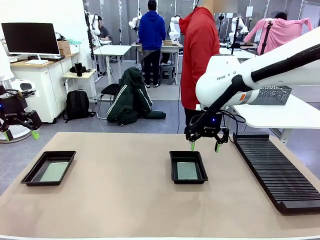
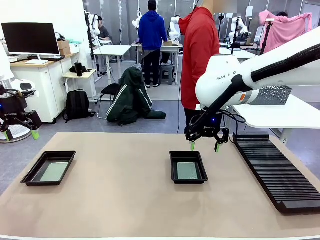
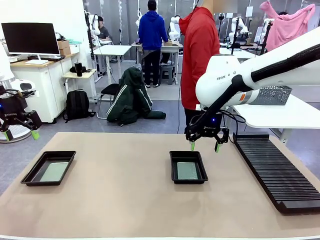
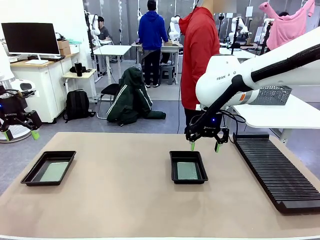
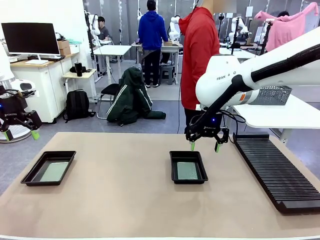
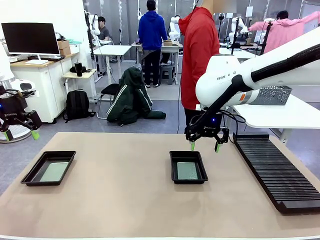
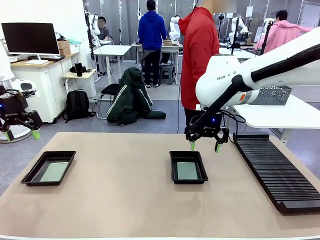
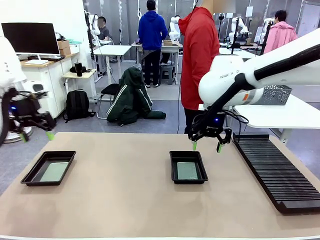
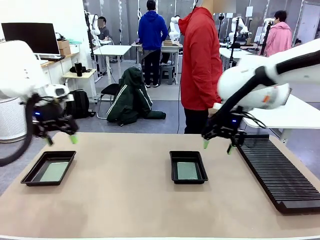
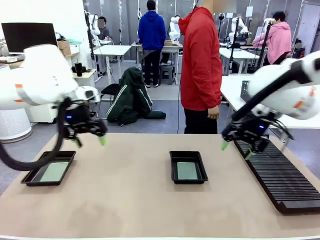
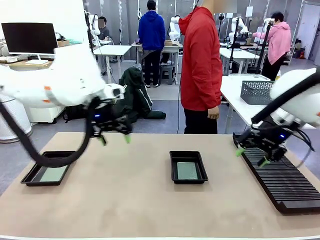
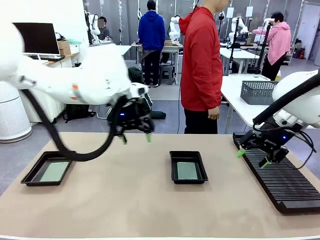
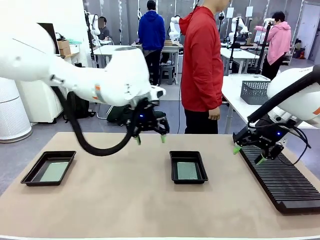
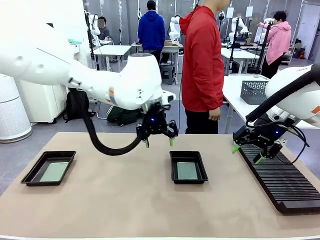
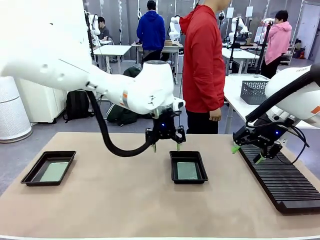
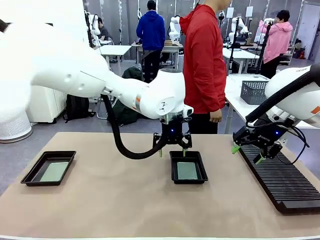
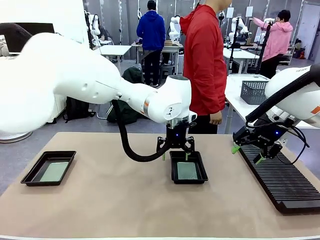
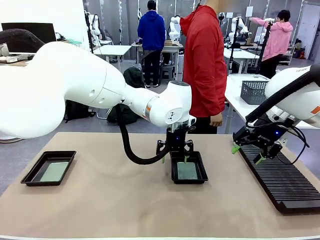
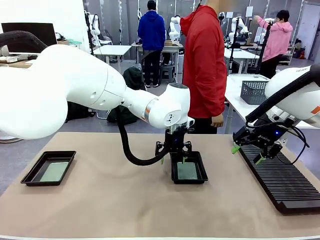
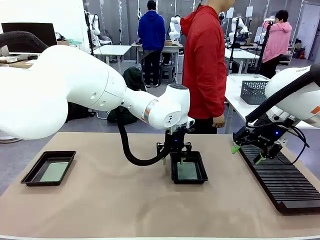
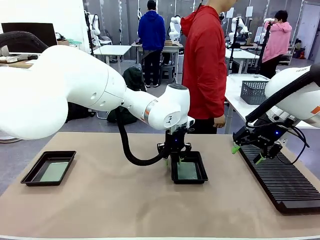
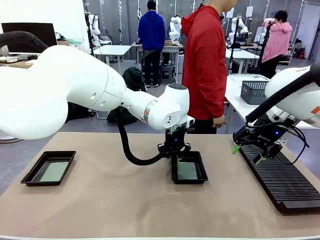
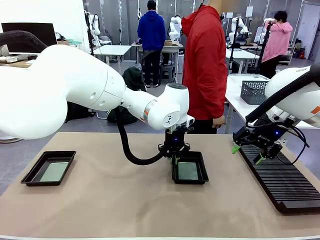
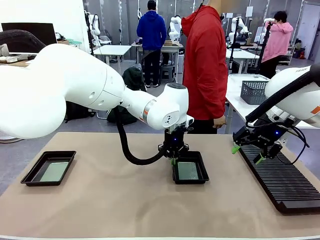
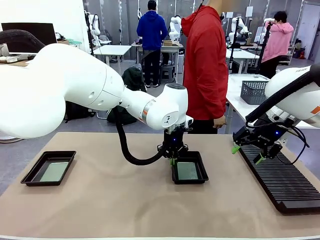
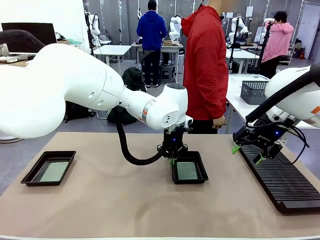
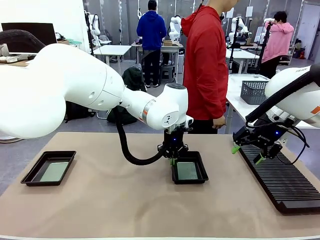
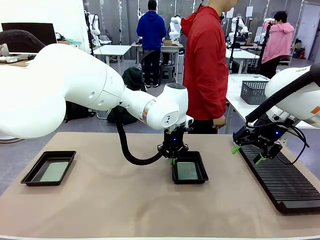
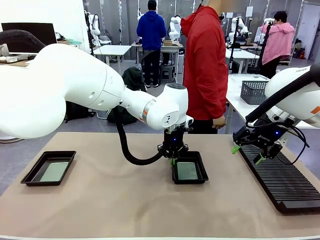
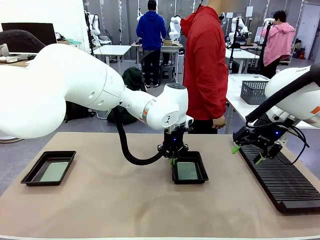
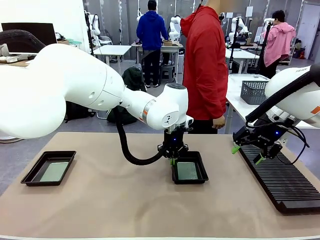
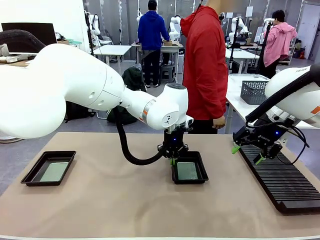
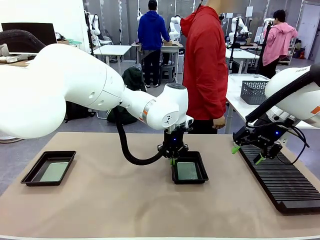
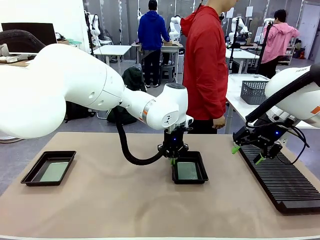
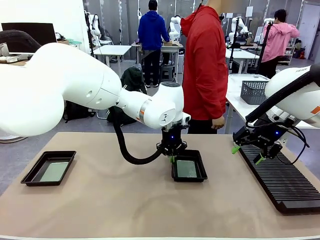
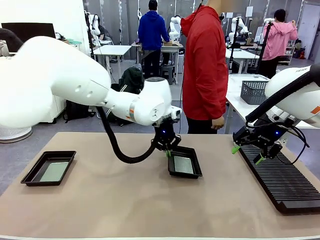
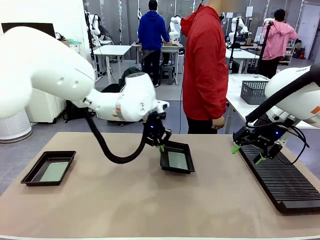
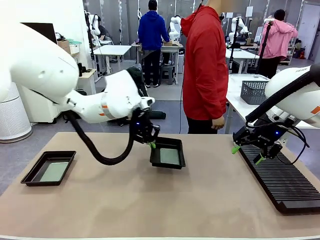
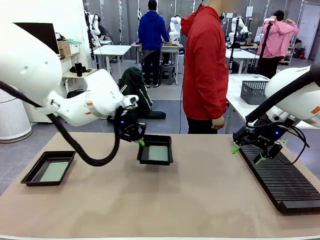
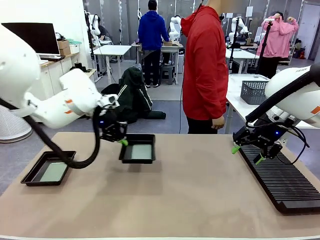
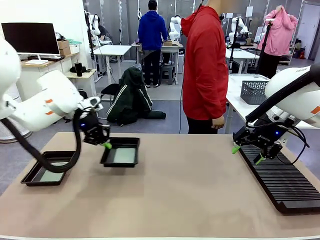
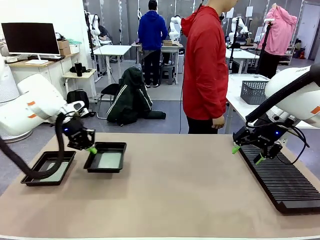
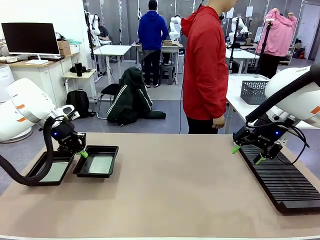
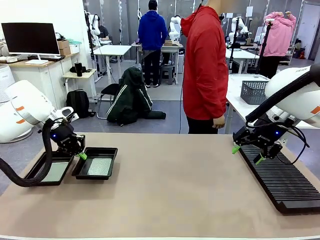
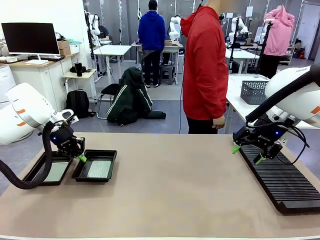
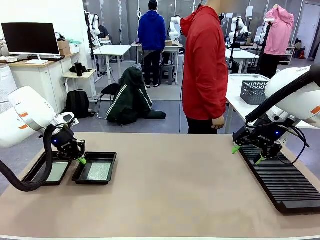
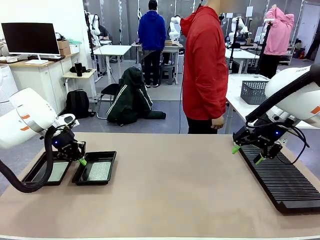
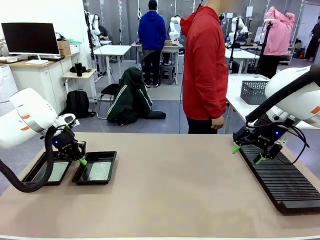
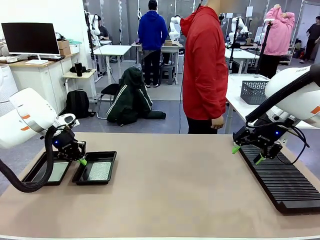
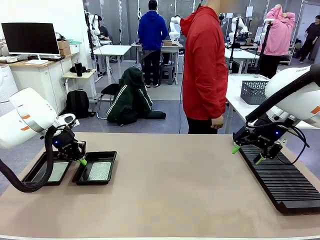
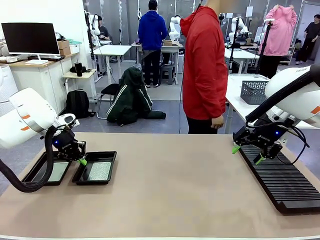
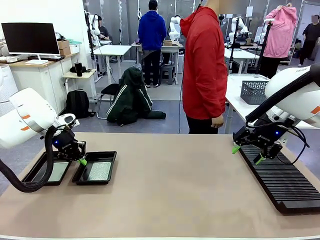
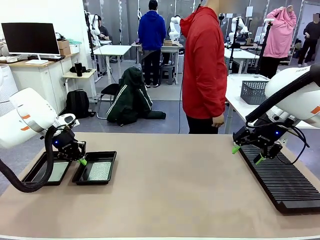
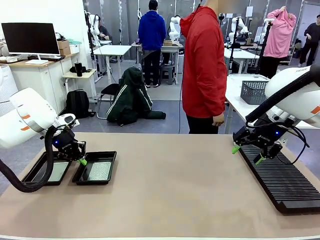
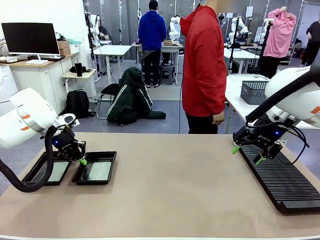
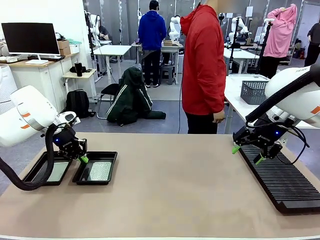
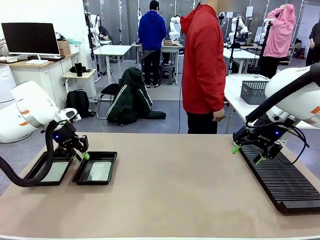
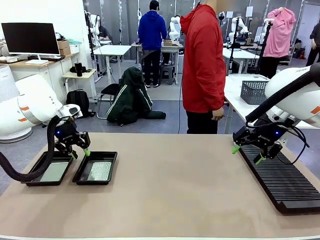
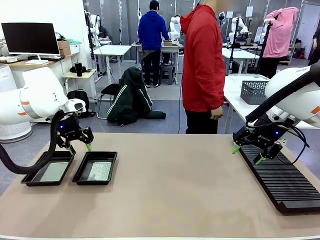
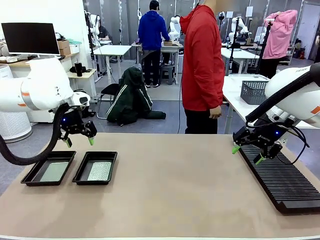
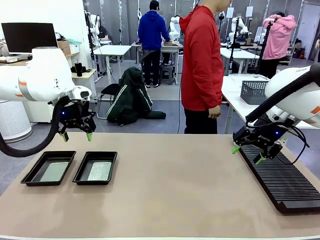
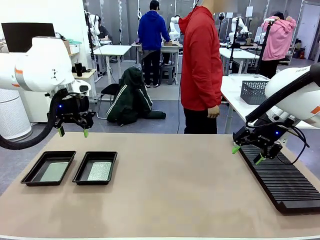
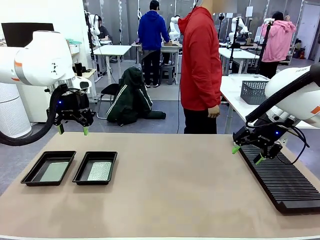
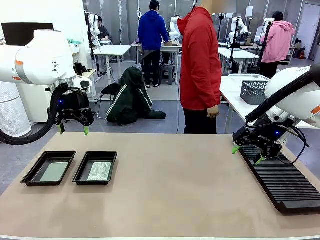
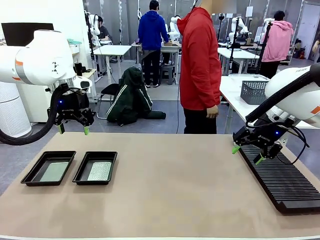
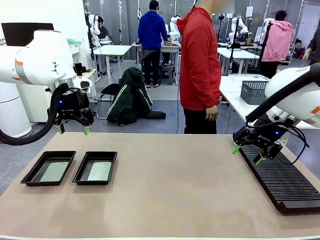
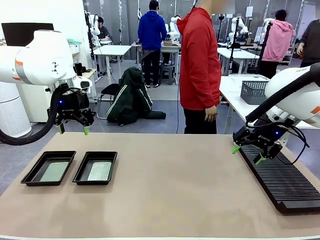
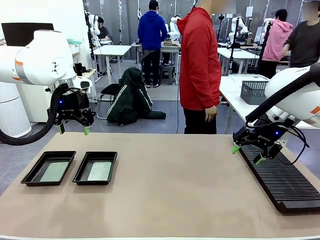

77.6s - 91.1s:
Task: Inspect and transfer BCBs to ESD trays.
Robot: Pick up the ESD tray and place it on the left side of the table.

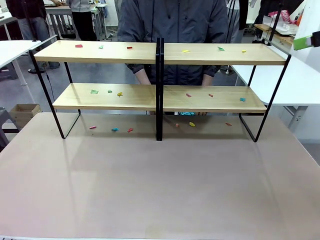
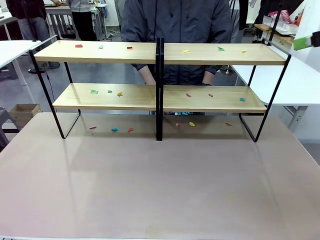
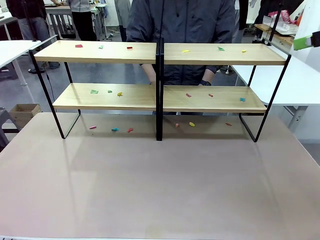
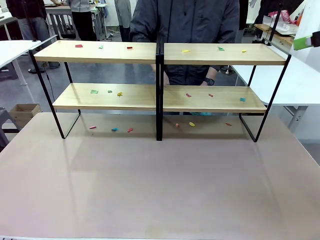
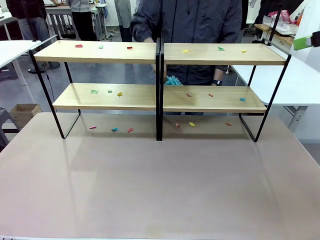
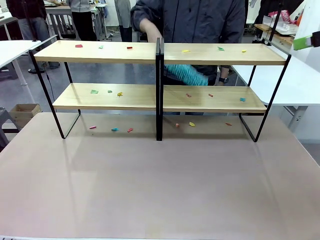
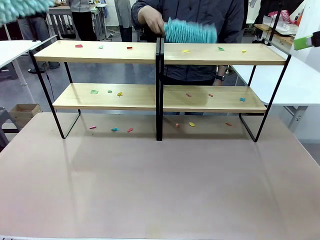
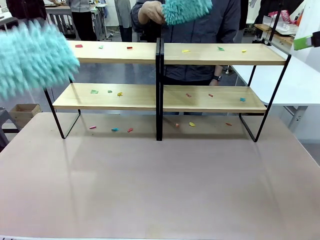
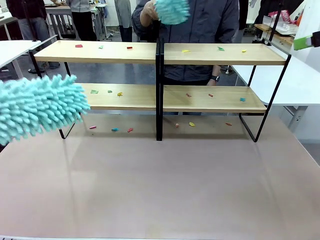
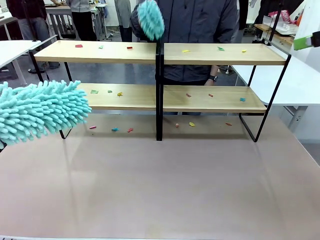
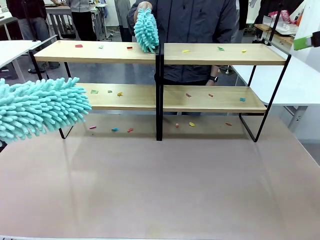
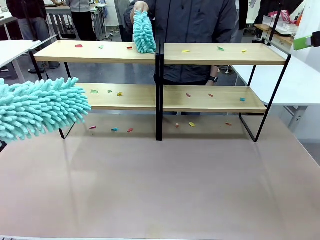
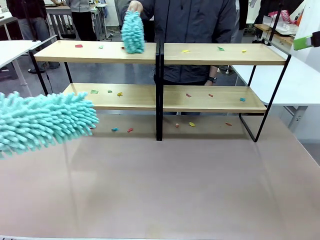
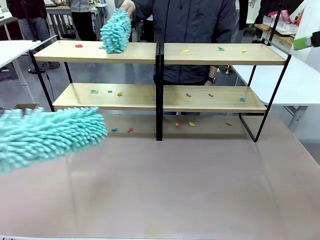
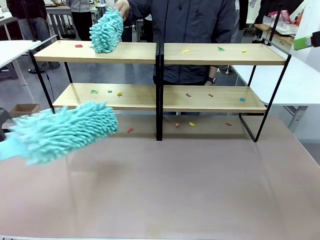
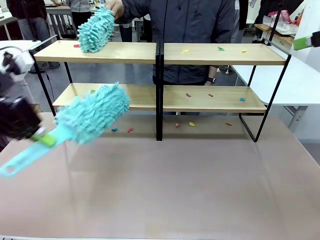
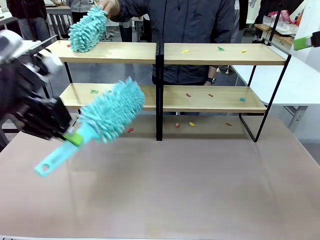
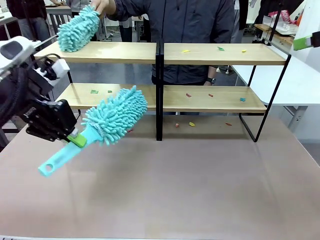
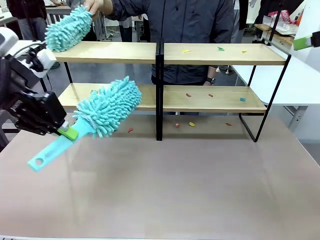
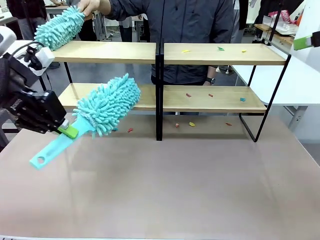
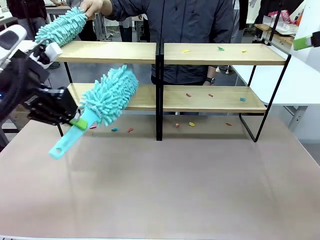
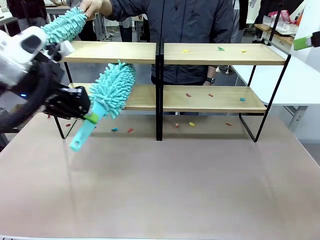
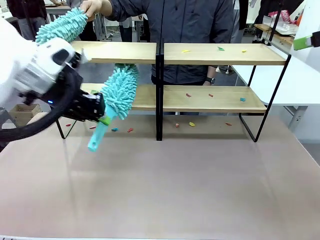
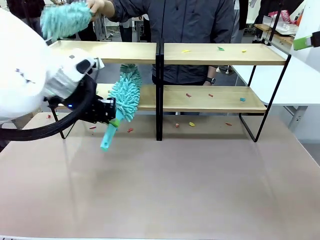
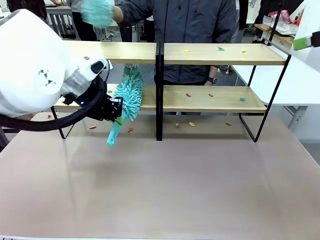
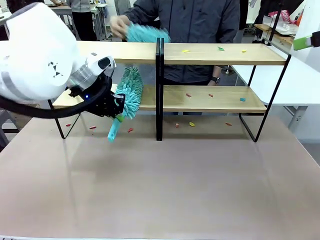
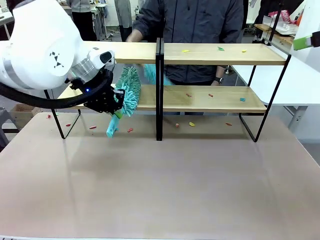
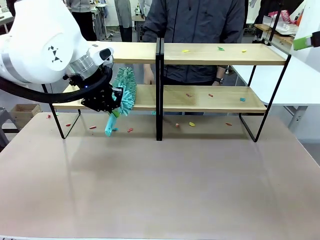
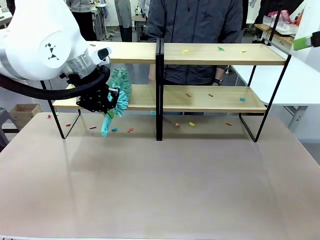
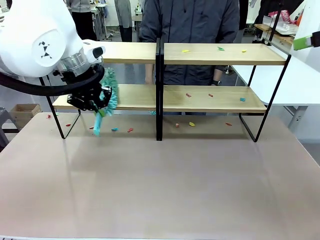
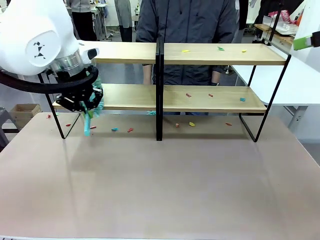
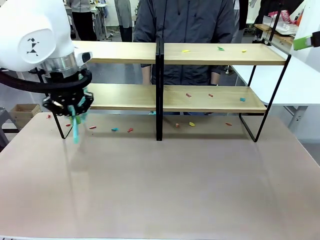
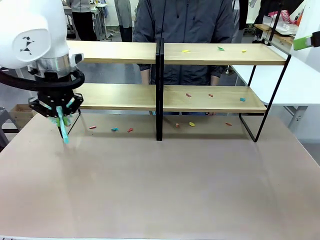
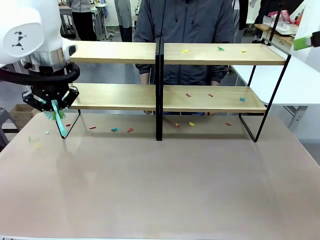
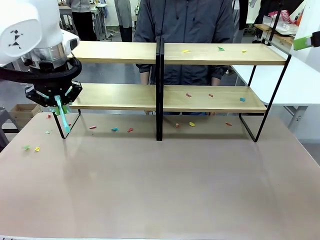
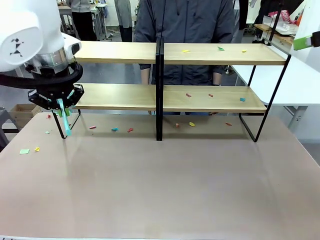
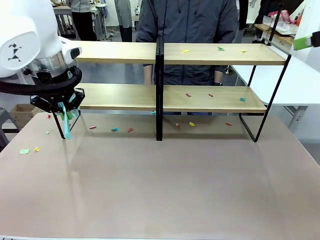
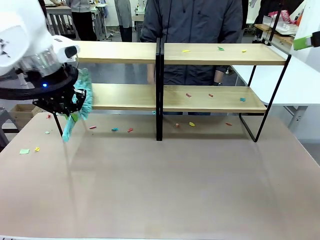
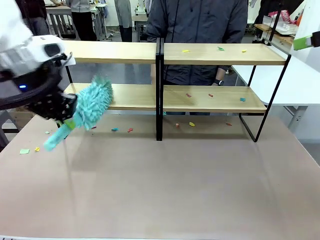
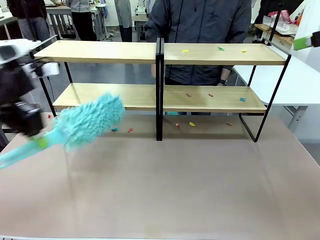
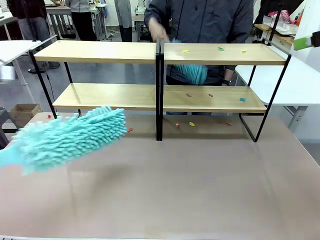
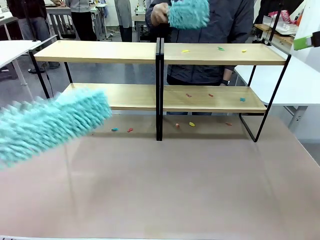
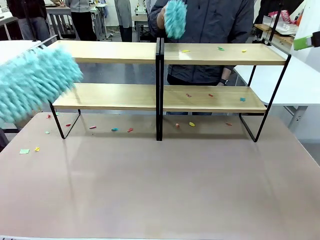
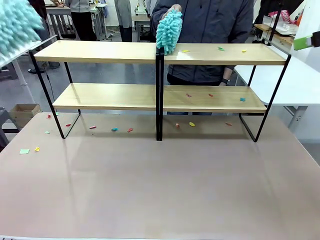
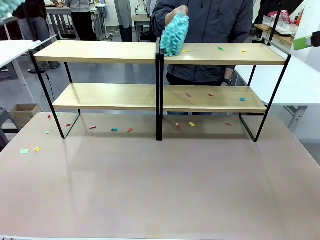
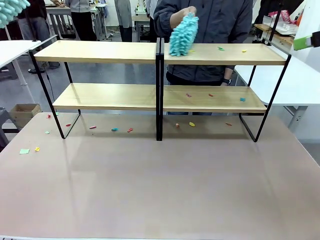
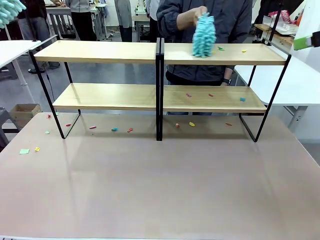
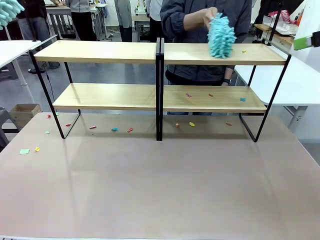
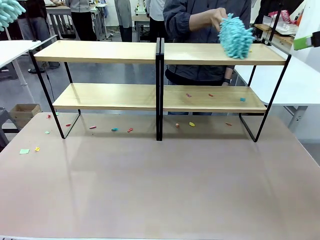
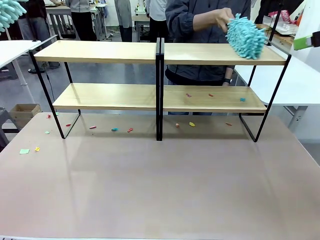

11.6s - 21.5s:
Task: Clean the shelves.
Robot: Clean a randomly selected level of the Shelf with the Duster.
